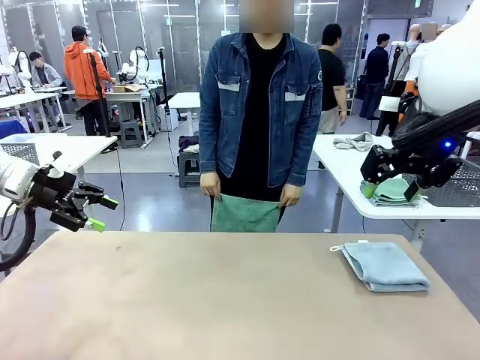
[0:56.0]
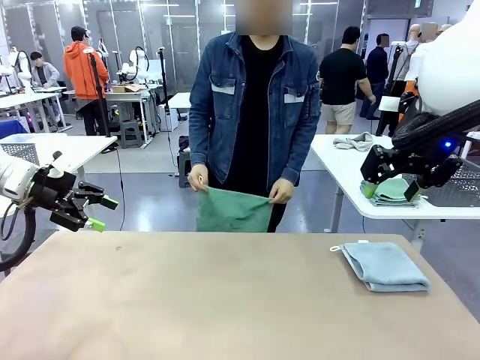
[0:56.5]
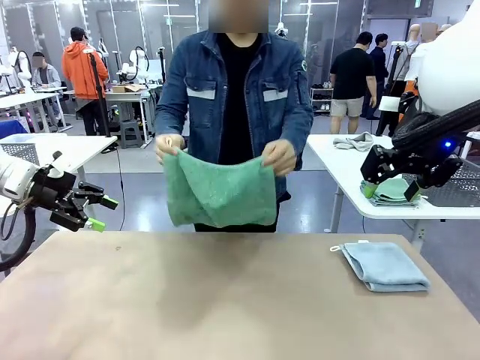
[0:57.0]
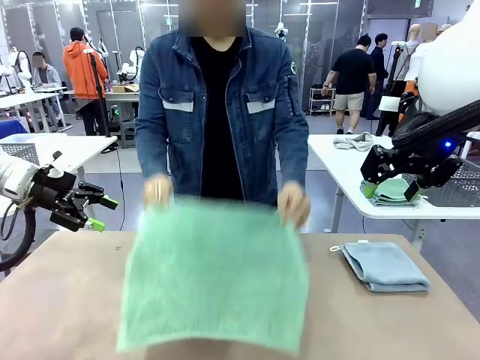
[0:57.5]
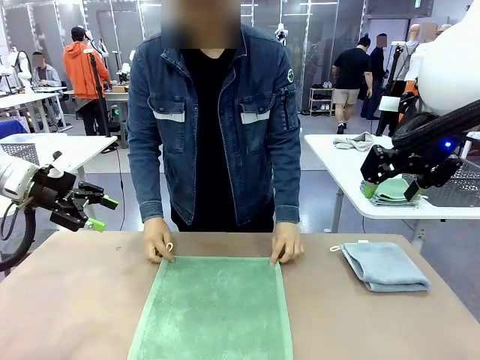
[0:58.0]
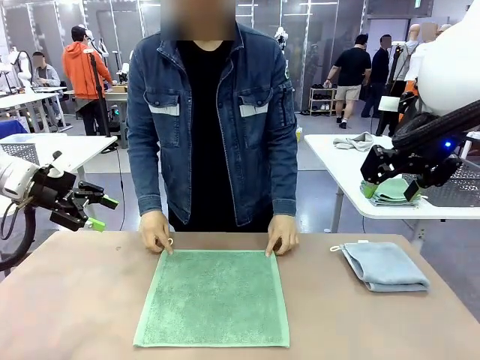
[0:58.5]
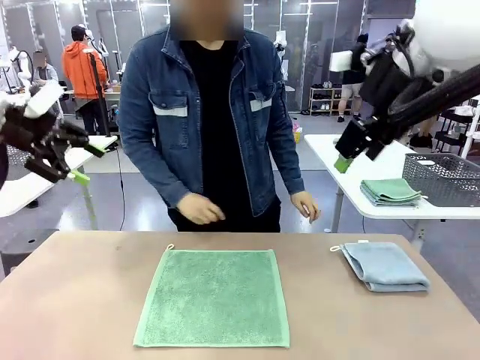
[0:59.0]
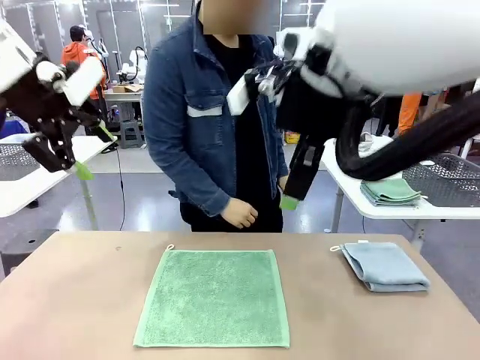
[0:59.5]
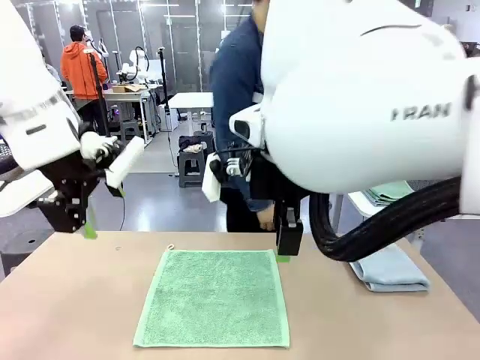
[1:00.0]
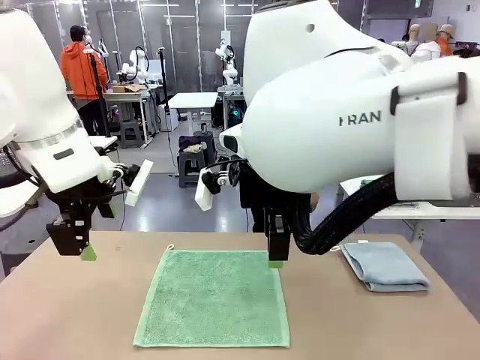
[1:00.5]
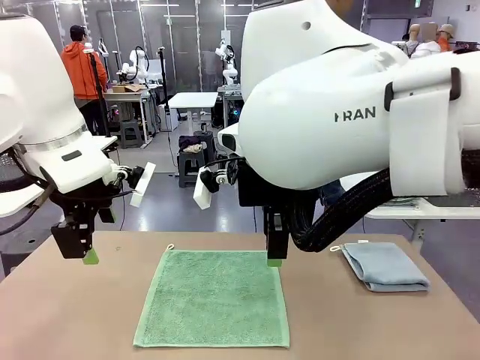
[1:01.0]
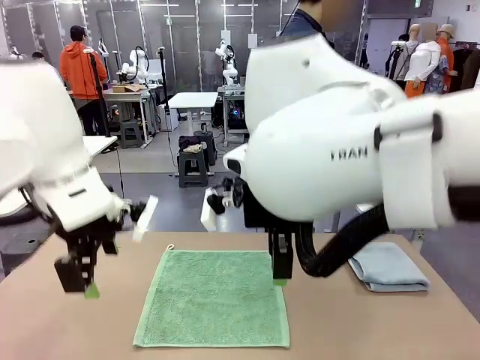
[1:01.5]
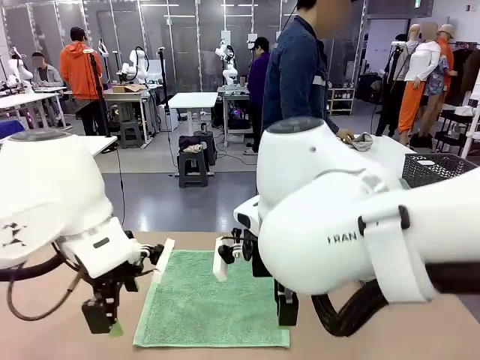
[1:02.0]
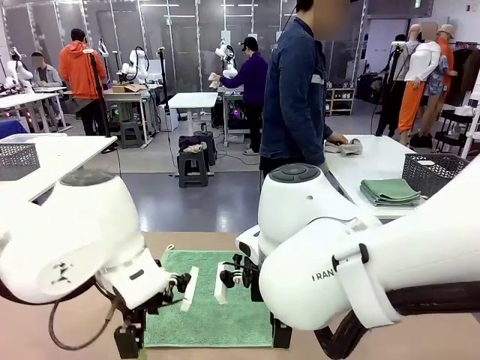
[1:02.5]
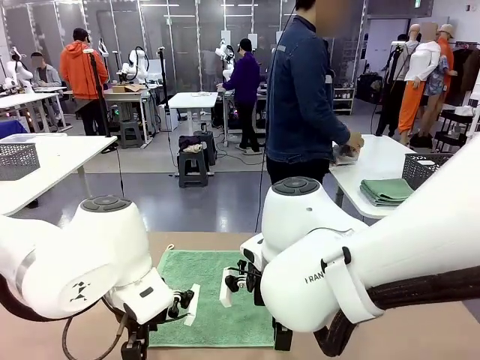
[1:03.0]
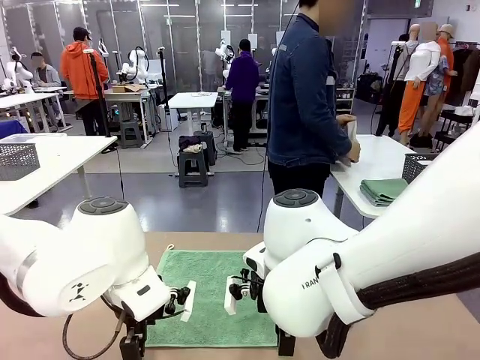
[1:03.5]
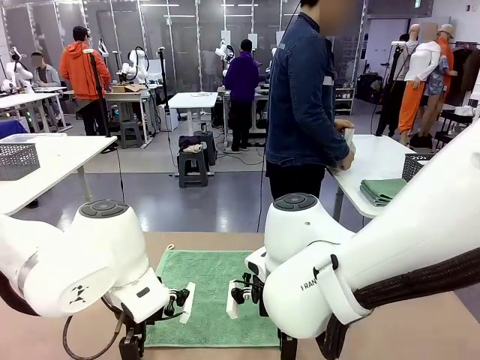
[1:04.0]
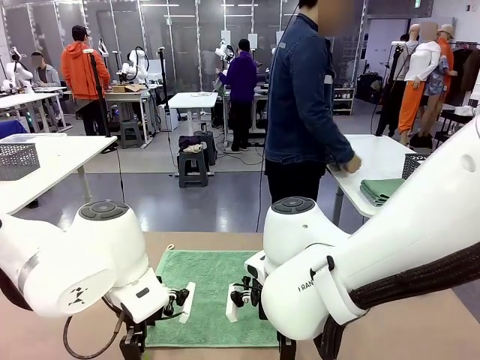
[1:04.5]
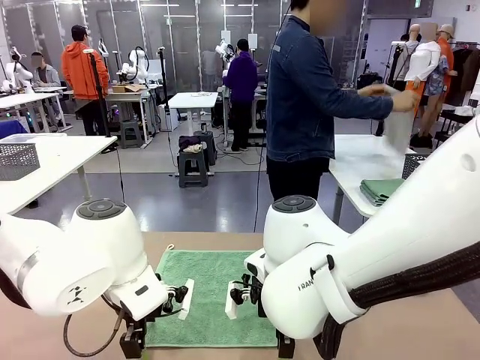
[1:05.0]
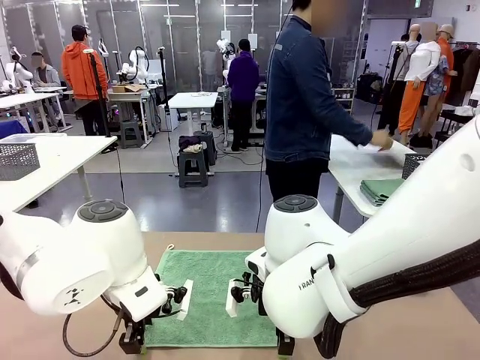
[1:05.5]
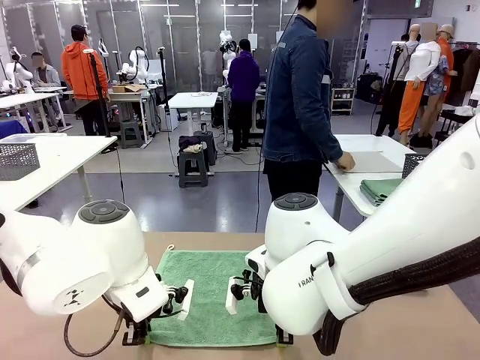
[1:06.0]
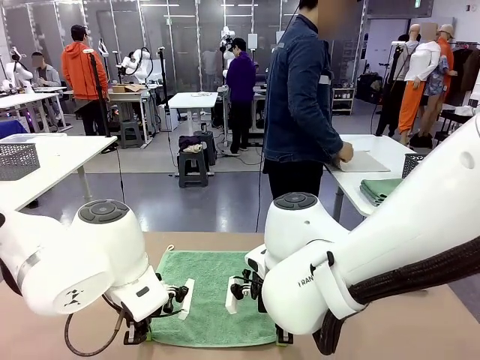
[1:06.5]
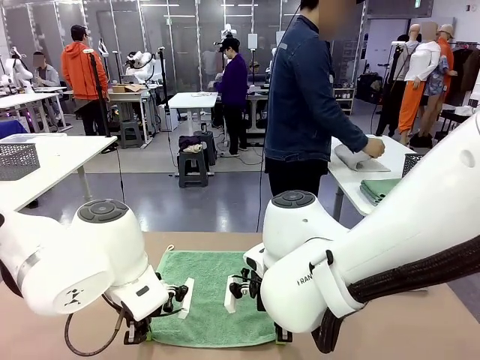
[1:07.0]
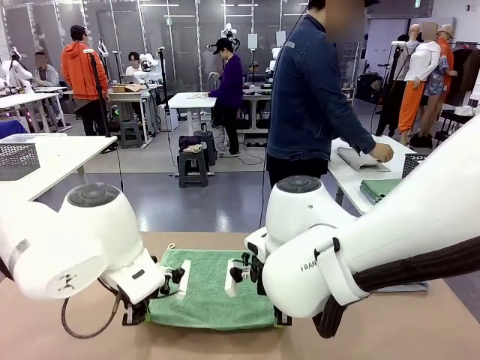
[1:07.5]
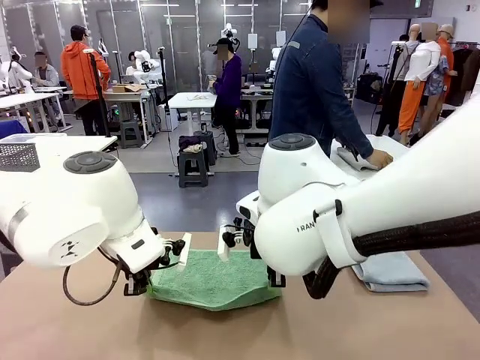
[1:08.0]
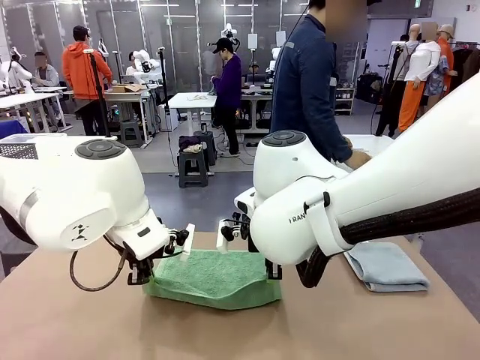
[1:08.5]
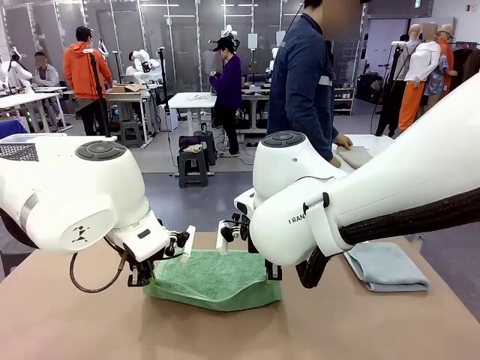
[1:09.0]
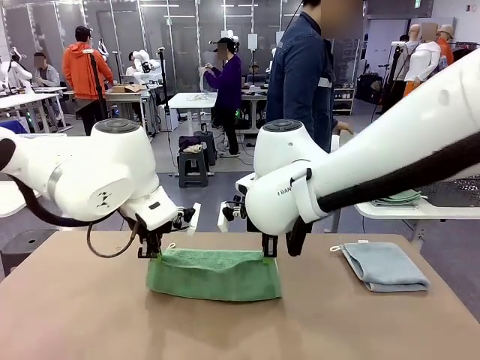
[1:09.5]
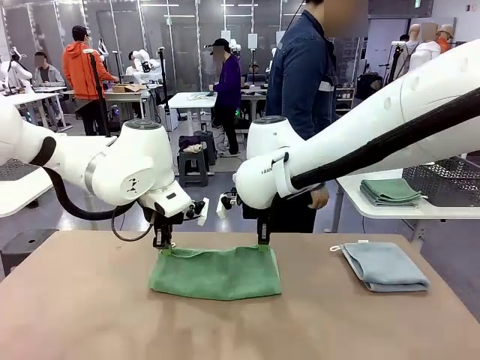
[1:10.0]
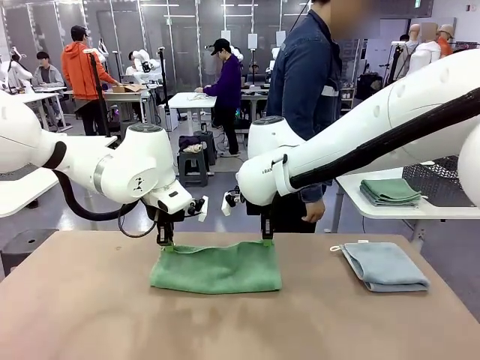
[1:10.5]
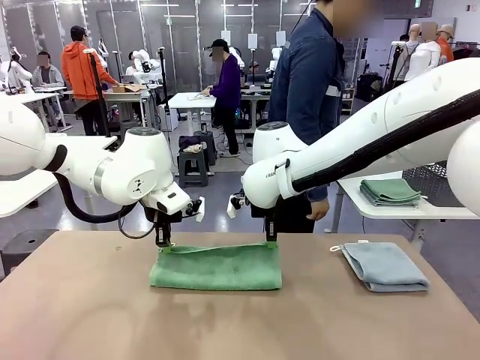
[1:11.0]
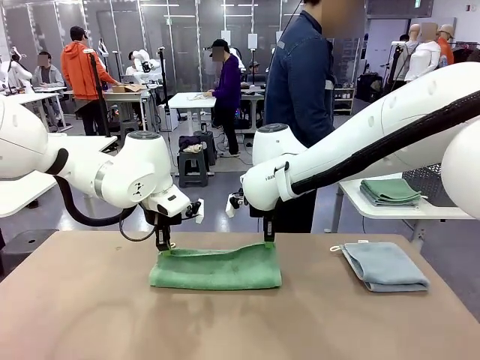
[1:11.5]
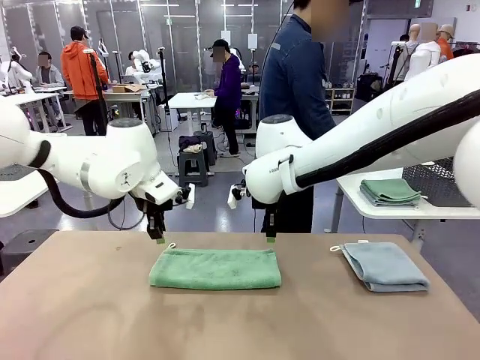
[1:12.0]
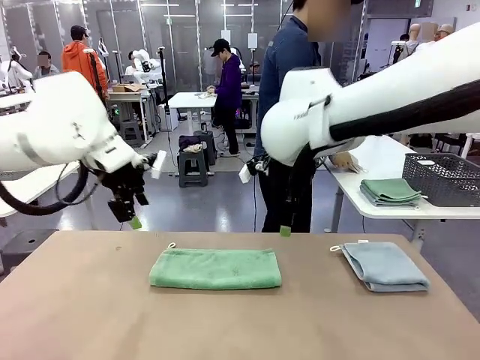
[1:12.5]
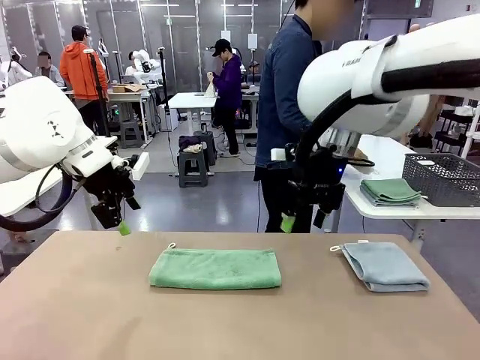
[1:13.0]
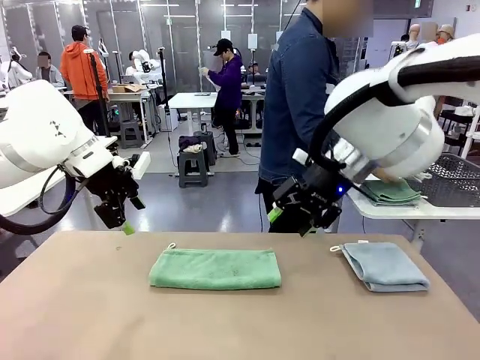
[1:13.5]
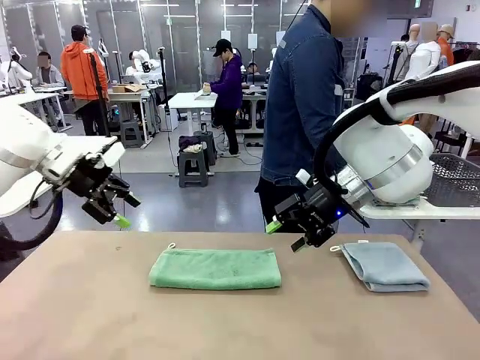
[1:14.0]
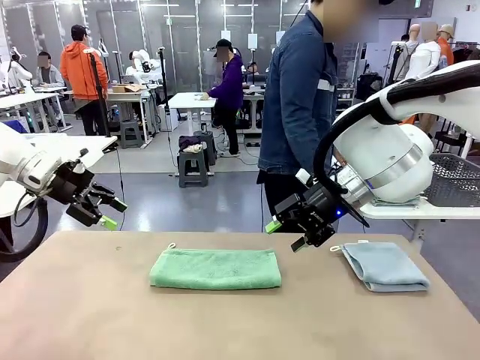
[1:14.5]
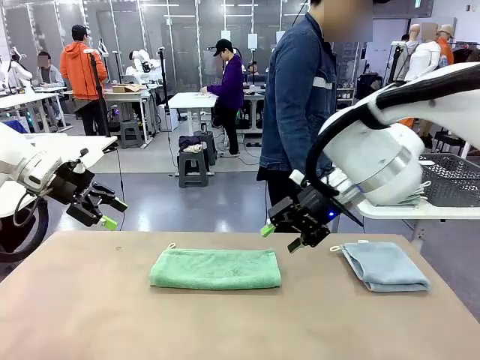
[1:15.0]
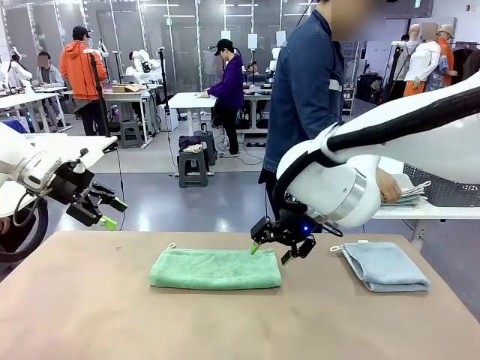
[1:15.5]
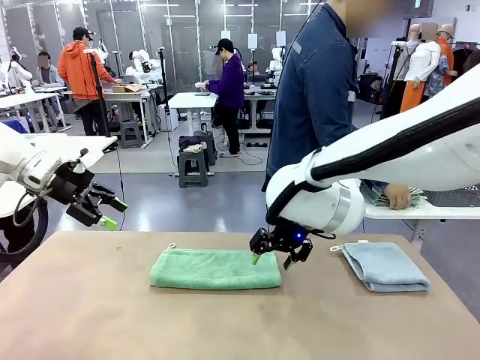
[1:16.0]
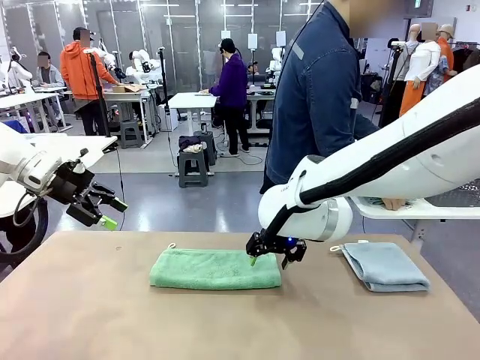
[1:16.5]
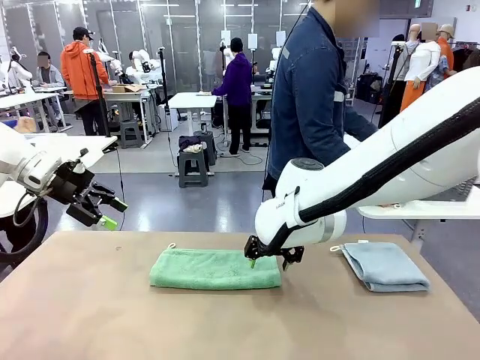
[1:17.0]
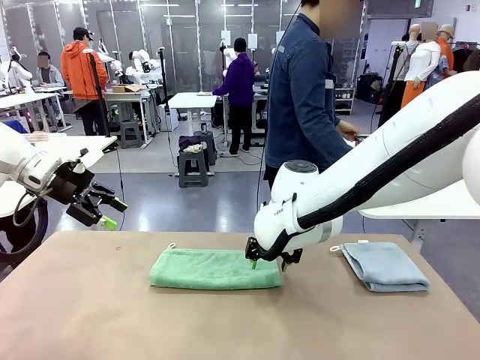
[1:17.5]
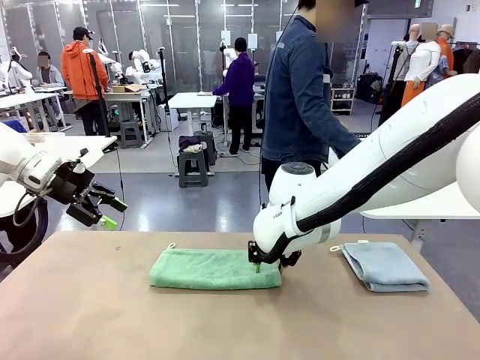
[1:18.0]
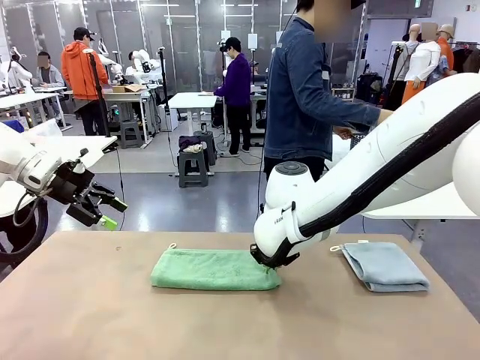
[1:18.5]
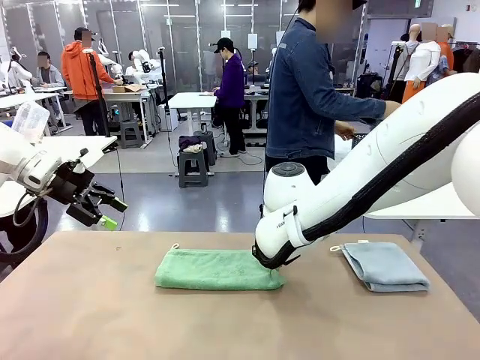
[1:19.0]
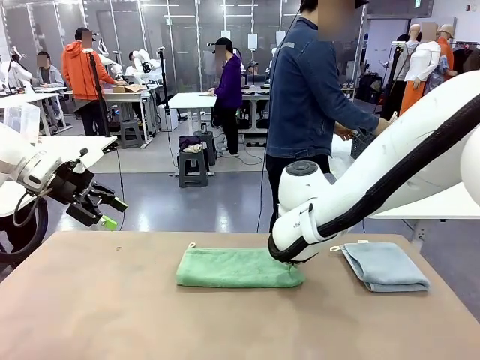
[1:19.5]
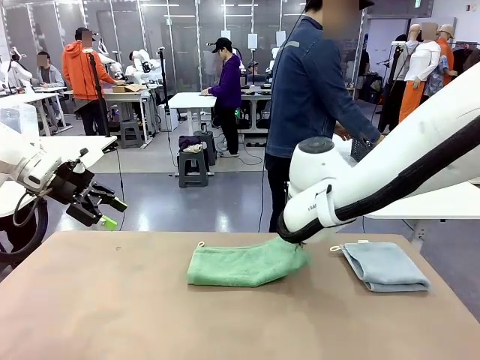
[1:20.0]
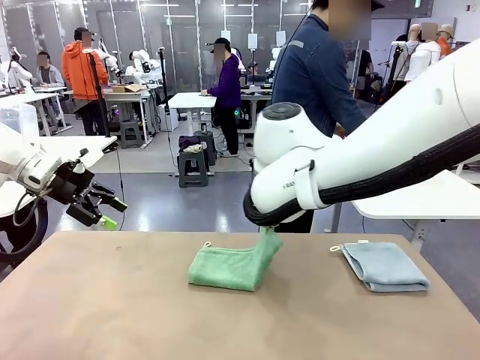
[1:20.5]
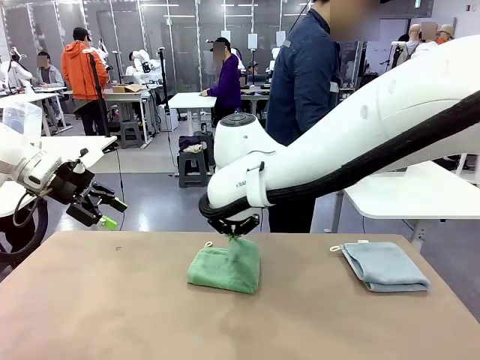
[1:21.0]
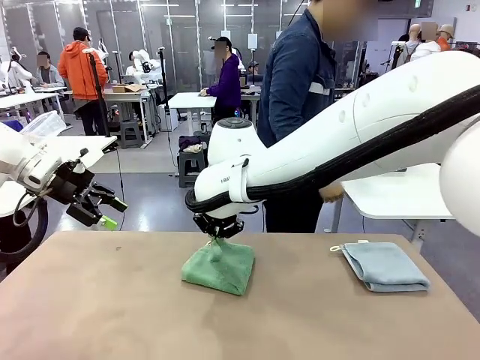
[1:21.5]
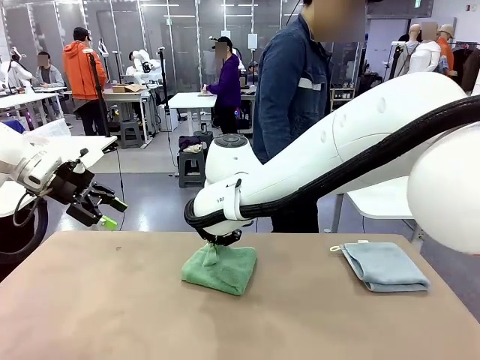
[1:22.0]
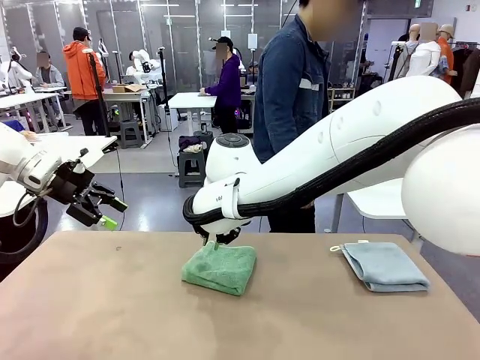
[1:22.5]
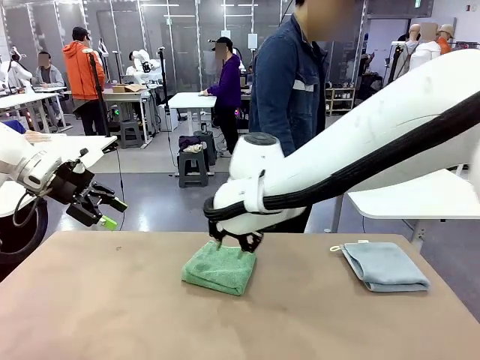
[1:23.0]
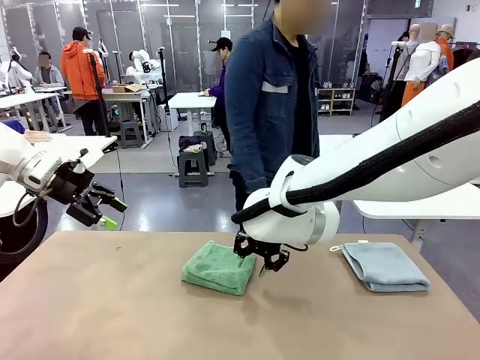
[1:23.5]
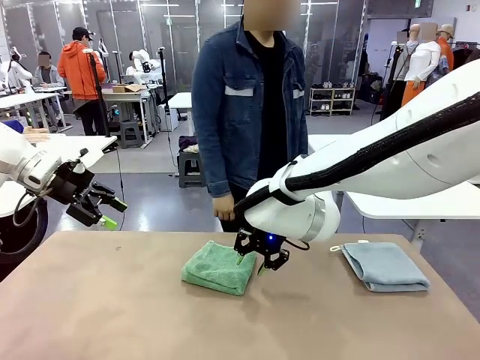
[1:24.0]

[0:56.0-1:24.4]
Task: Fold the towels and place them in the basket.
Robot: When a person lays out a Towel with hook on the table, fold it in half twice.
Person: Pick up one towel from the left side of the human table, fold it in half twice, and stack it on the right side of the table. Pick up the stack of towels from the right side of the human table, place it into the basket, and put the basket at the center of the table.
